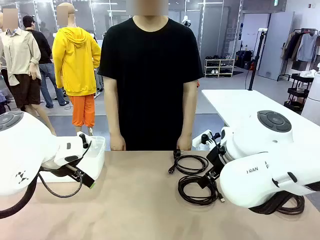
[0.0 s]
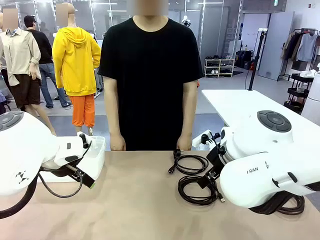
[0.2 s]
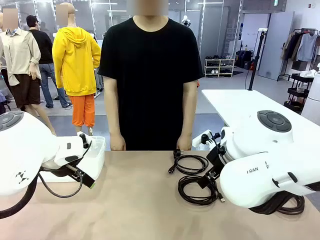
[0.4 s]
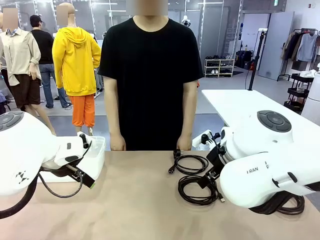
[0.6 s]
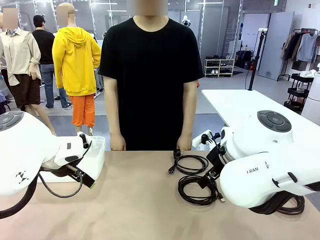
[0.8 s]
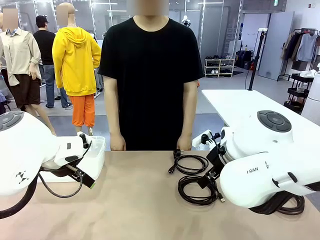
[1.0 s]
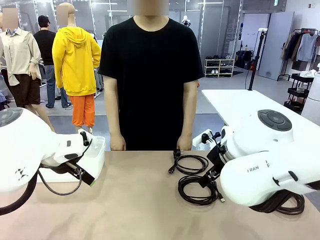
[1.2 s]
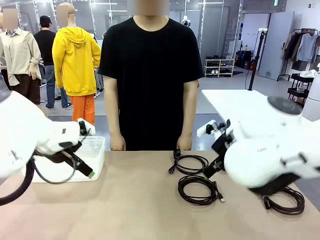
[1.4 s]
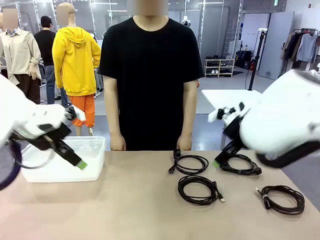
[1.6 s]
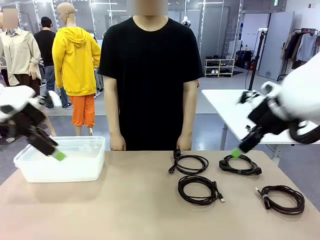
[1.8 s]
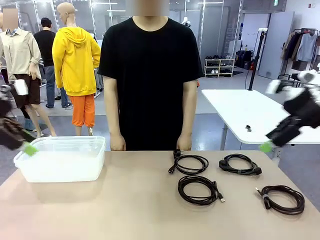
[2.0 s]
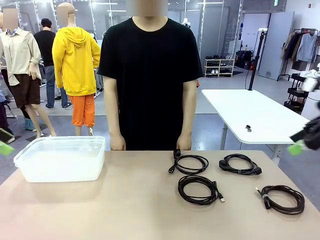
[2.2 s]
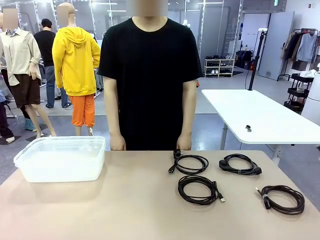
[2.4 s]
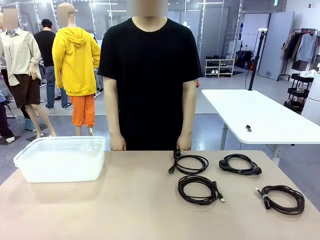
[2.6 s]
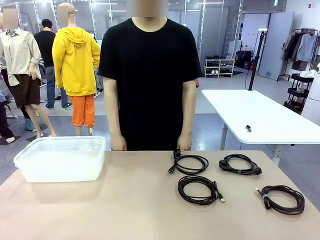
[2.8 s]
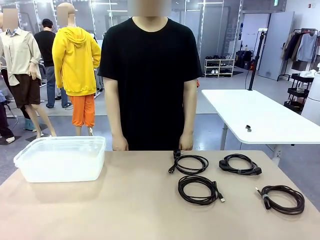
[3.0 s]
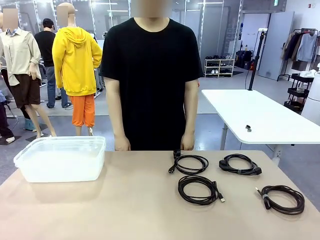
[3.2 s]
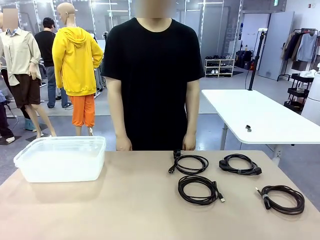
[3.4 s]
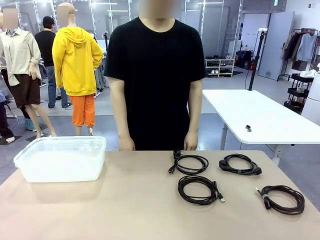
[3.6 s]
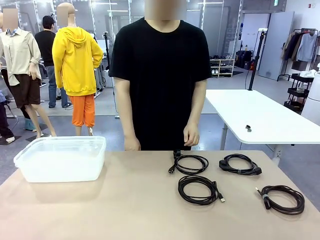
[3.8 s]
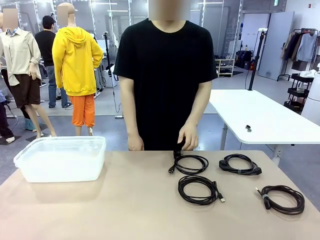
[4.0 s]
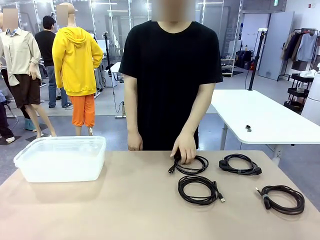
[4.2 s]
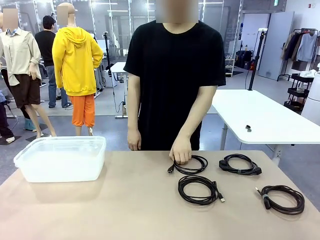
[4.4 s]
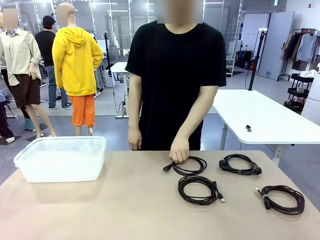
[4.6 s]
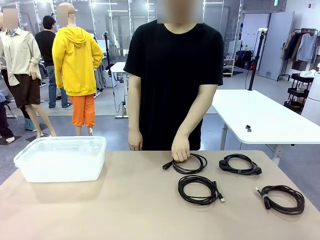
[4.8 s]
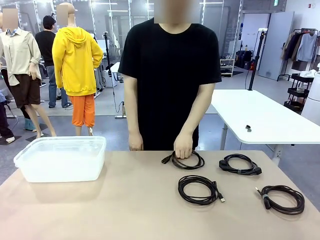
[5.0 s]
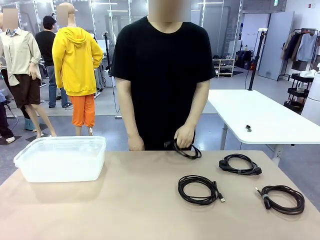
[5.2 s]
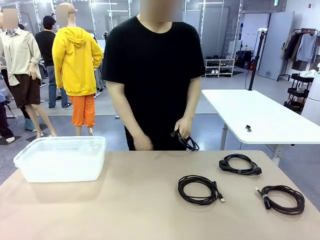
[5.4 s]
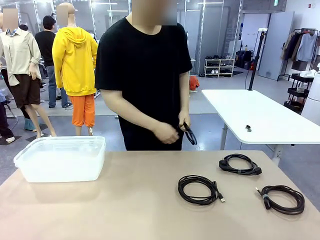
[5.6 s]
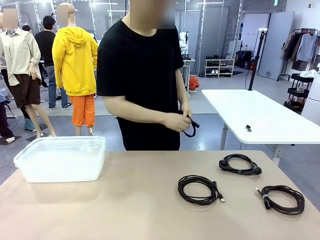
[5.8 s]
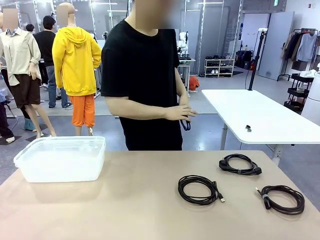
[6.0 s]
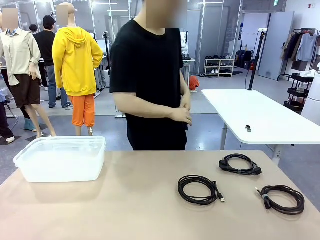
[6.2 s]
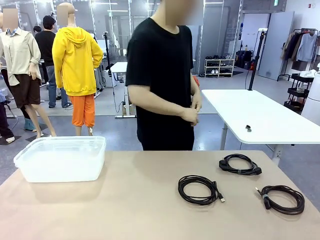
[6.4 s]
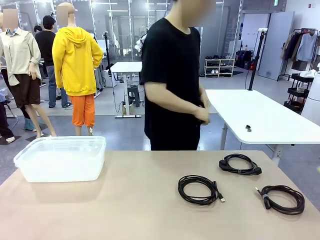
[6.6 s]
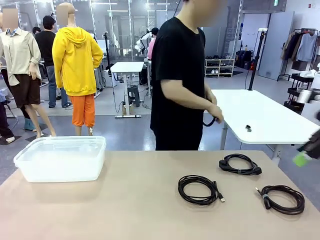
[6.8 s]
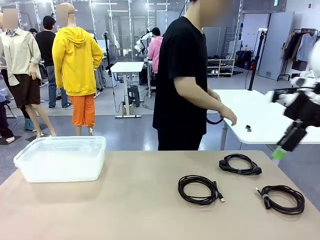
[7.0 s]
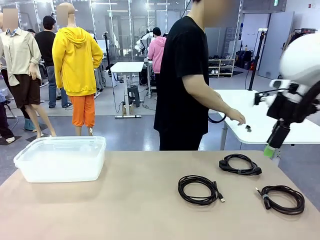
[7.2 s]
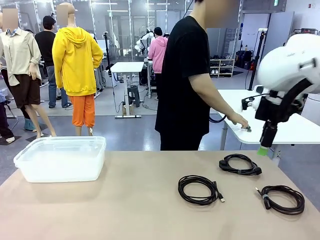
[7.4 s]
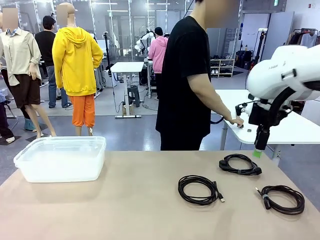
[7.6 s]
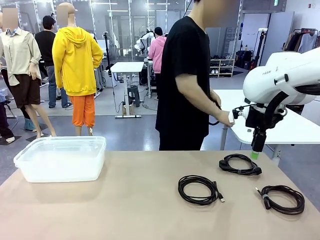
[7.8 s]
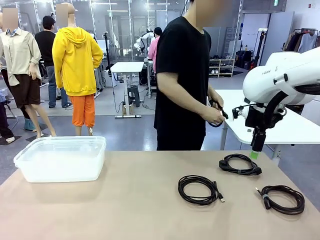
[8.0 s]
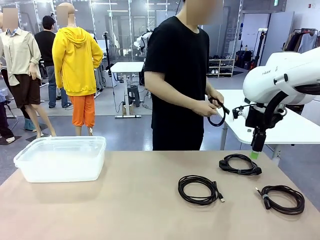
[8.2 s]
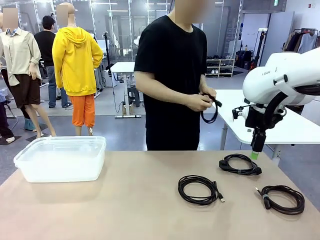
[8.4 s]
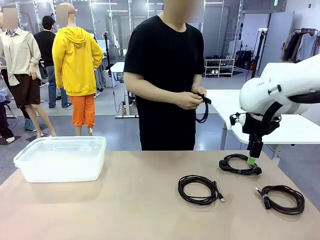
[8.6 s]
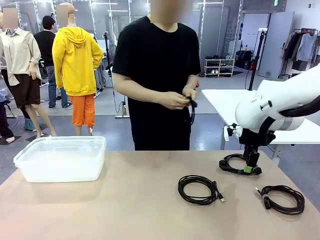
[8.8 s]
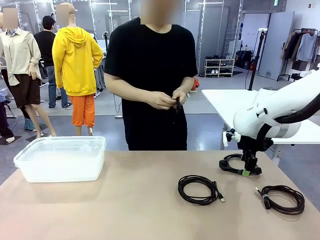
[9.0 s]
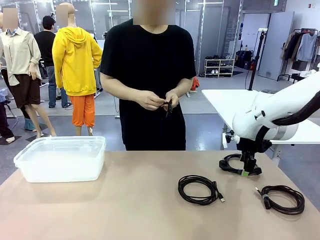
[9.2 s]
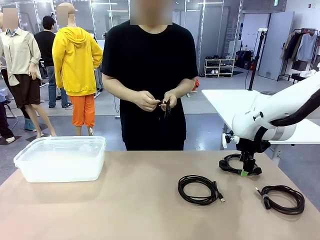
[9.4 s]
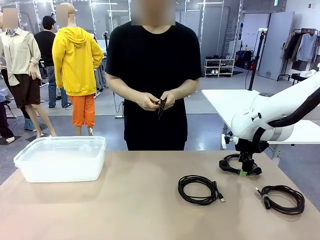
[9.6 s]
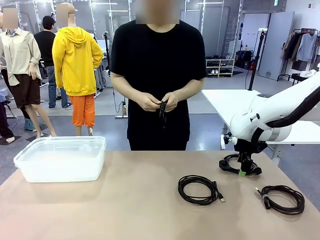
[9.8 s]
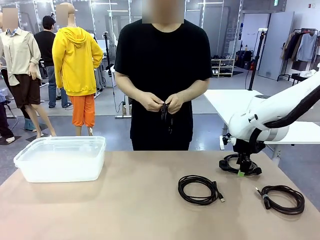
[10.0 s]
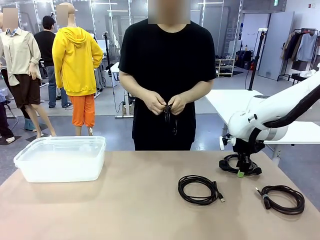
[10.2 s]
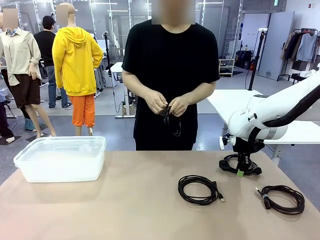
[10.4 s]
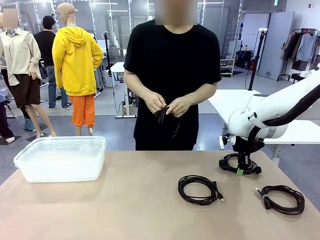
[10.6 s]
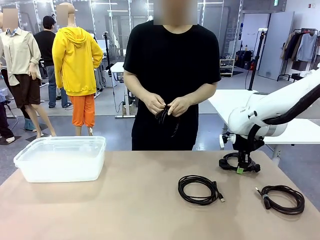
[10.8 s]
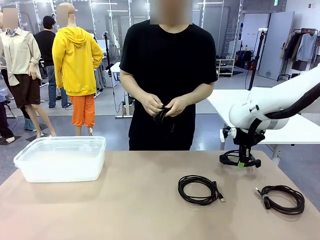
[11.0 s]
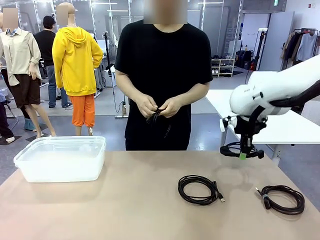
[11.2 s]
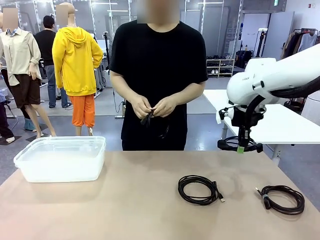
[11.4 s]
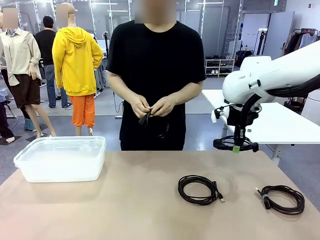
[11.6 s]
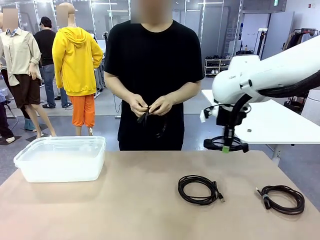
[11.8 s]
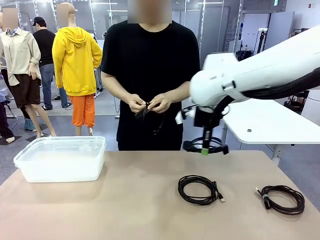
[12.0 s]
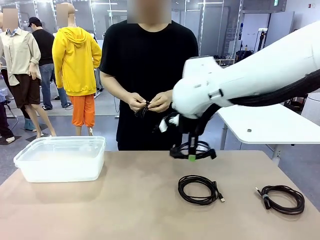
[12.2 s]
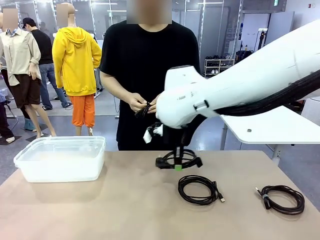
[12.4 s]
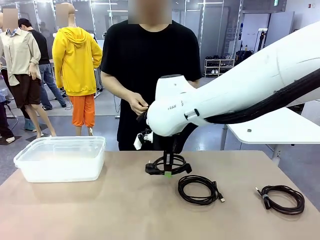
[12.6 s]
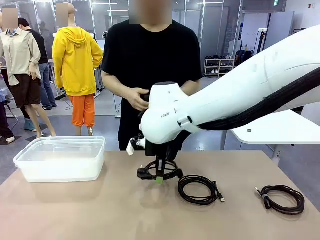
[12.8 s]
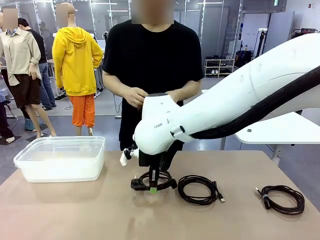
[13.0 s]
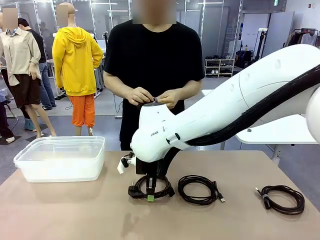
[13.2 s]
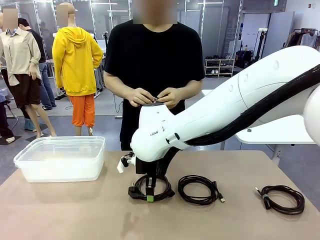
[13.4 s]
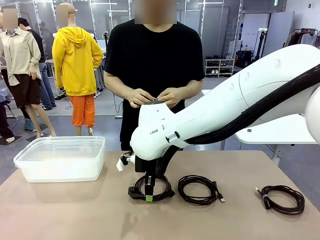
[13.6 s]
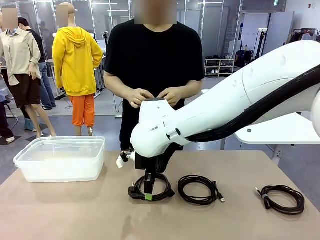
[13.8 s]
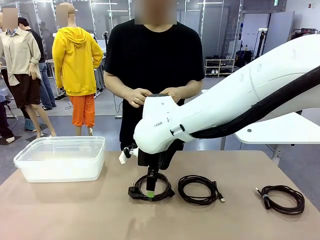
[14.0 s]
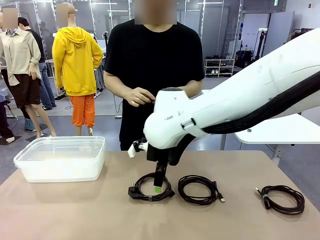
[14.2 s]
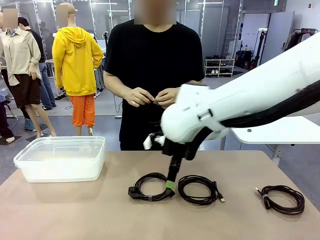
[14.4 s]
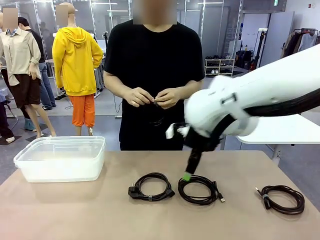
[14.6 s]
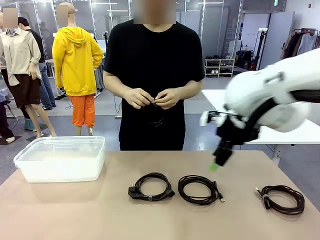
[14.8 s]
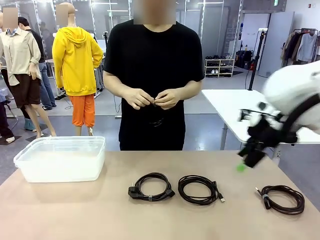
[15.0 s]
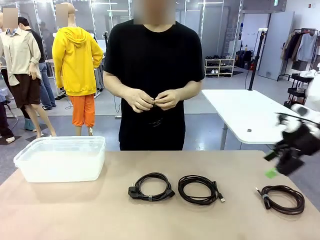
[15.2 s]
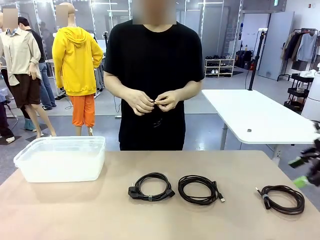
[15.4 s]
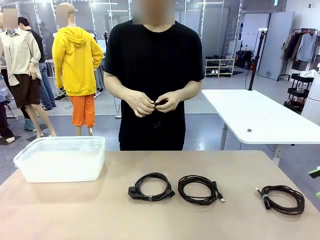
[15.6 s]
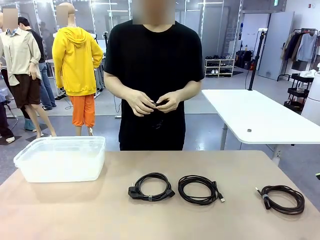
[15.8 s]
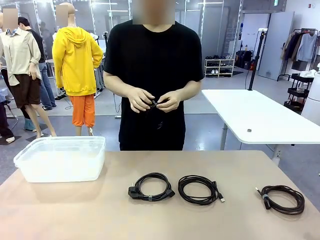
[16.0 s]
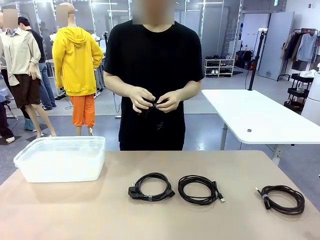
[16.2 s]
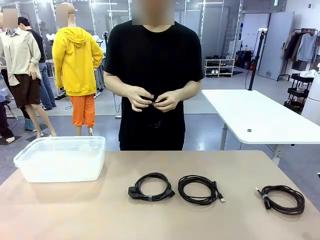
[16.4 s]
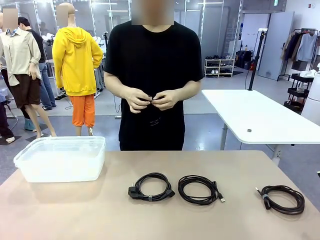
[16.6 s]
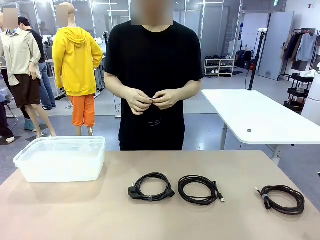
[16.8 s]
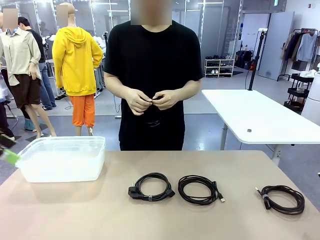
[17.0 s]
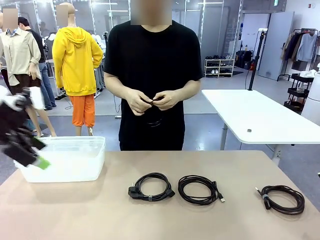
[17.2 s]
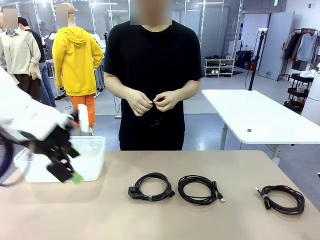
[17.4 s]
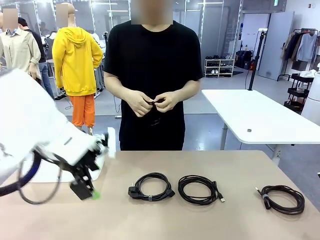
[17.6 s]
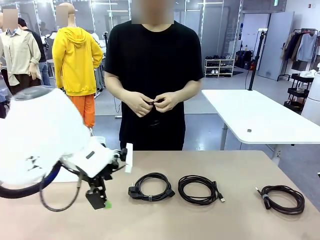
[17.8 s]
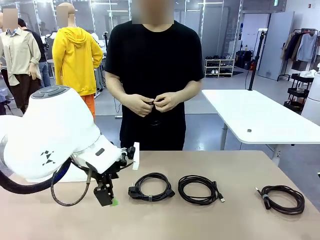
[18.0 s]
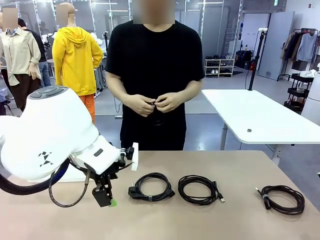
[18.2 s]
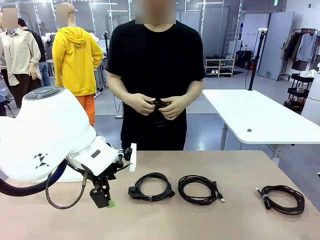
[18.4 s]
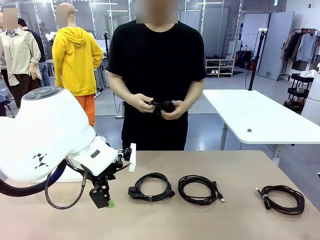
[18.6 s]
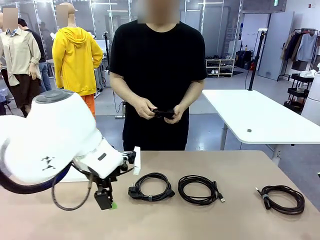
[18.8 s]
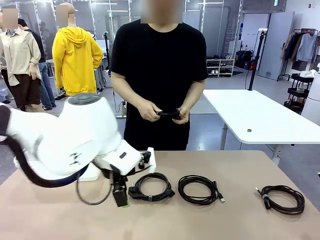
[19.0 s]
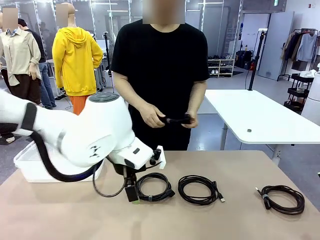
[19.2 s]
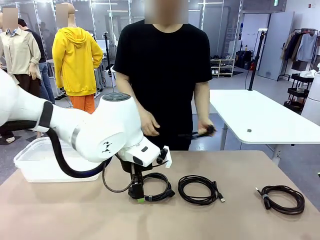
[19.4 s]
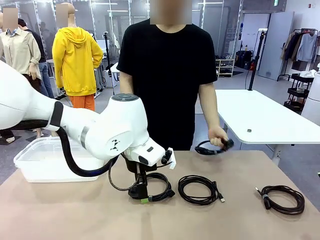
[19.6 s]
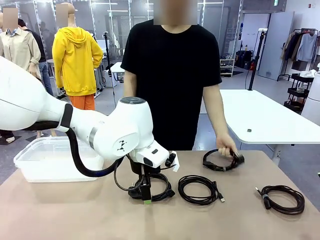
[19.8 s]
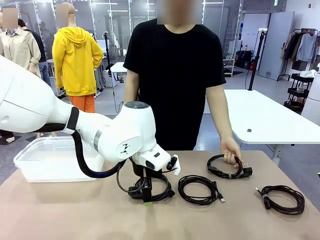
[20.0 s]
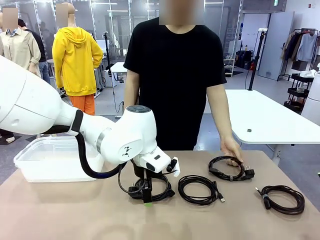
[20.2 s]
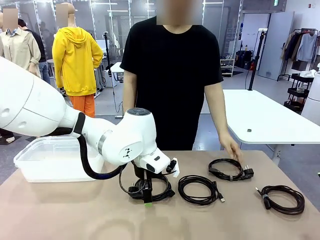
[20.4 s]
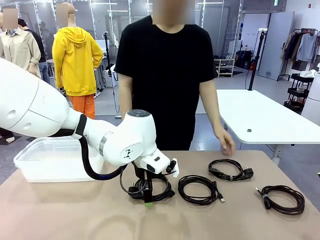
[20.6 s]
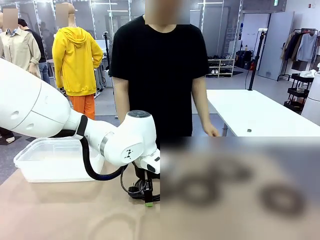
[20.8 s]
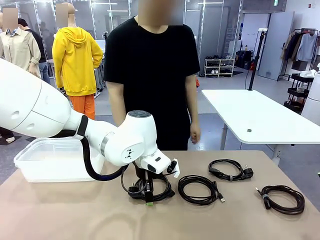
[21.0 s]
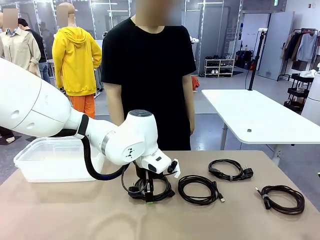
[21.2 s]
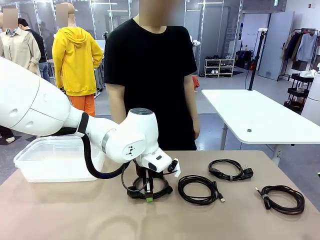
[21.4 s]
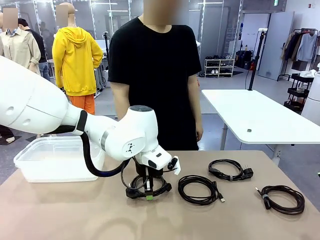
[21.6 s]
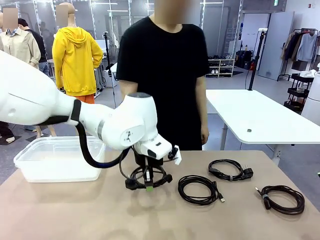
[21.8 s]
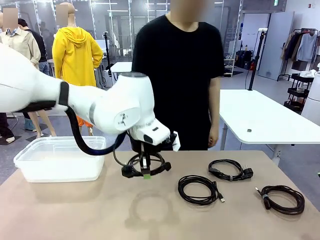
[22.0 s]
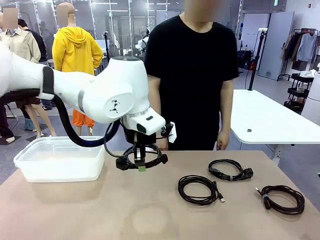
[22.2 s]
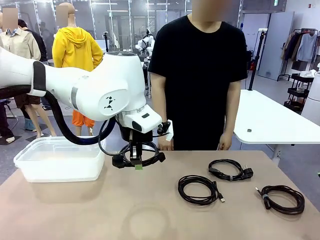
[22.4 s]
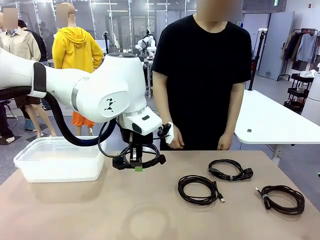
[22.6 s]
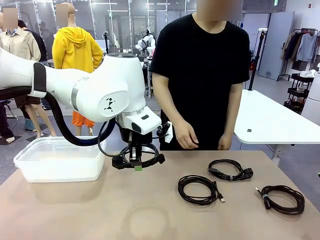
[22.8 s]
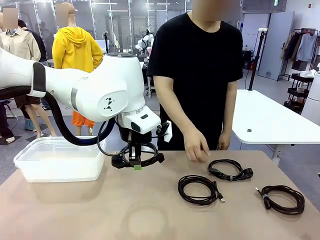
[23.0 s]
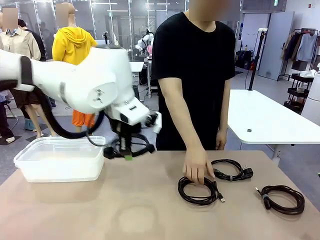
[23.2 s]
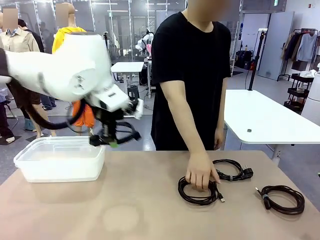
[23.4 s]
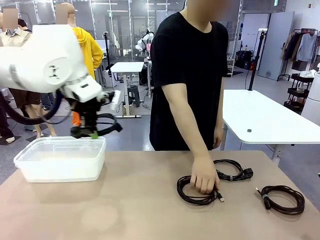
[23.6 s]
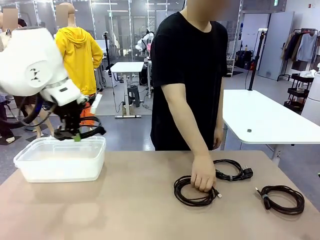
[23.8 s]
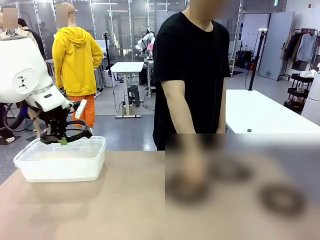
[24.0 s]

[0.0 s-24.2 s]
Task: Organize and store the cables.
Robot: Place the Power Cable into the Organizing box.
Person: Tie one Power Cable with a Reusable Cable Tie.
